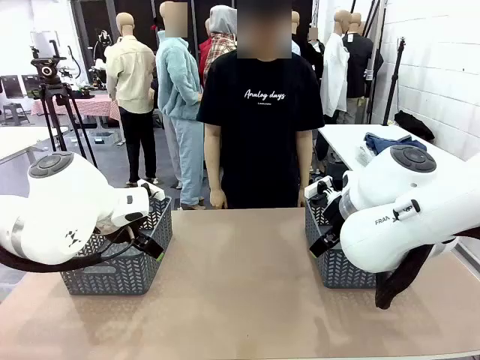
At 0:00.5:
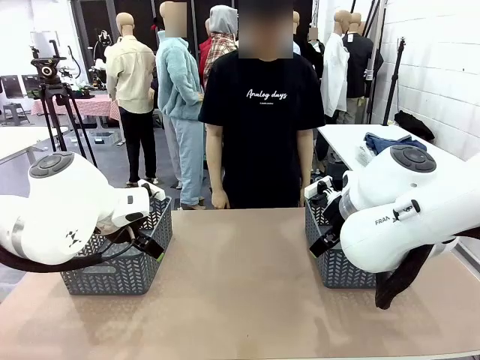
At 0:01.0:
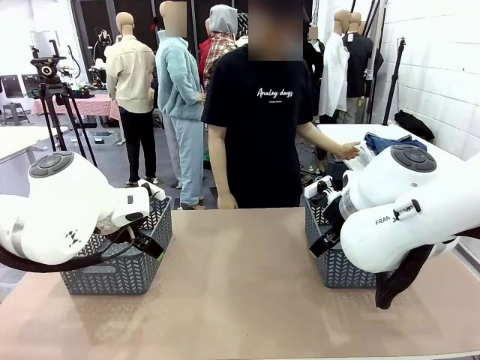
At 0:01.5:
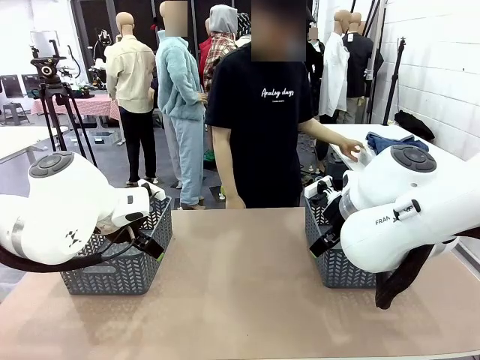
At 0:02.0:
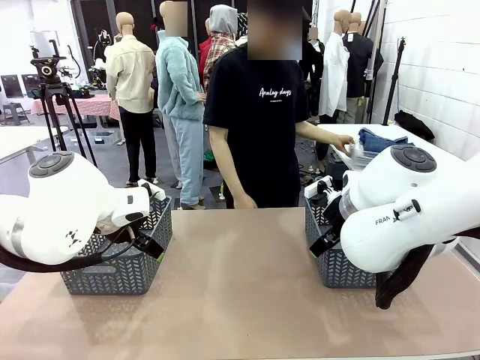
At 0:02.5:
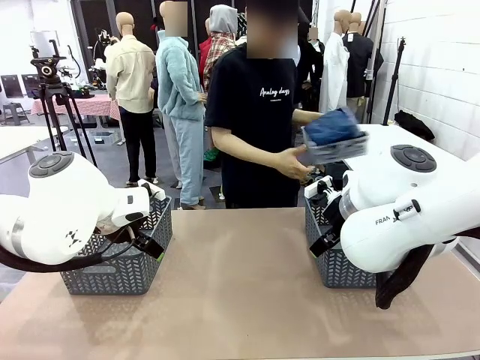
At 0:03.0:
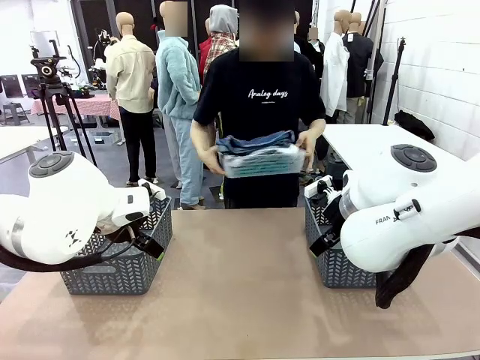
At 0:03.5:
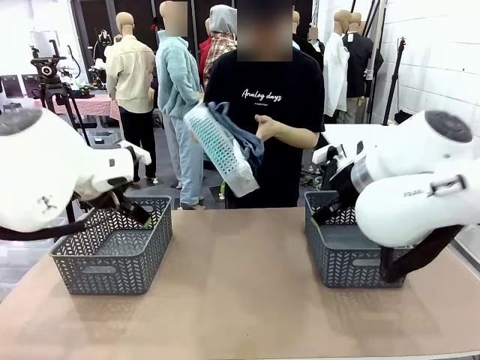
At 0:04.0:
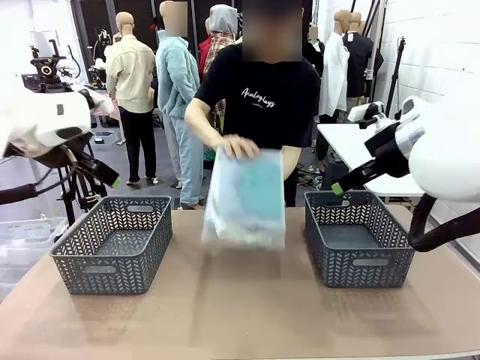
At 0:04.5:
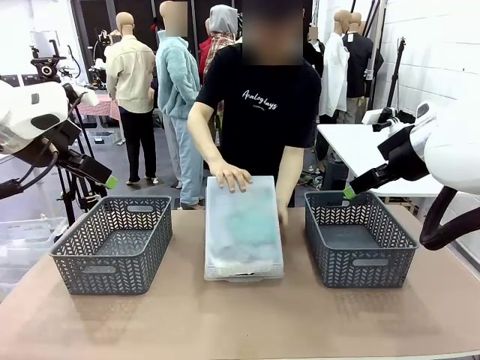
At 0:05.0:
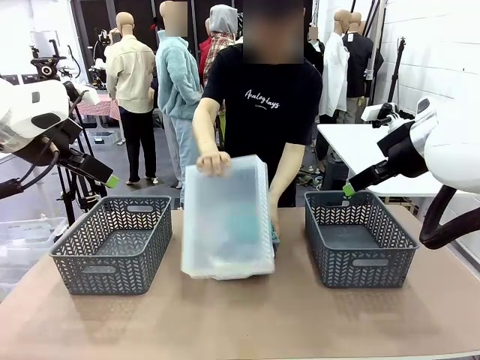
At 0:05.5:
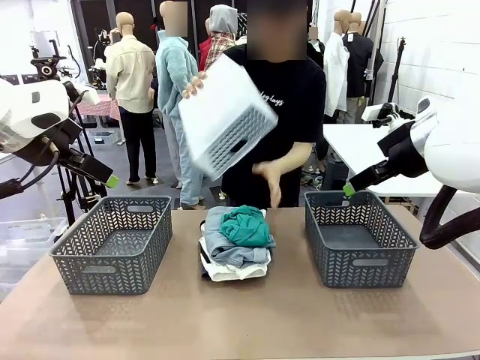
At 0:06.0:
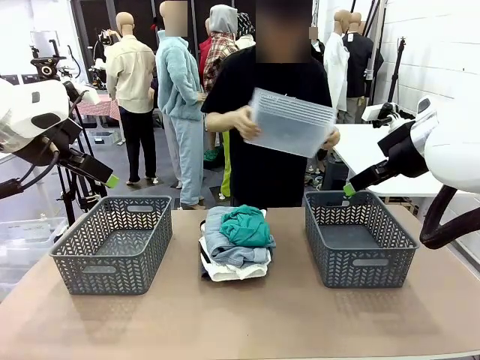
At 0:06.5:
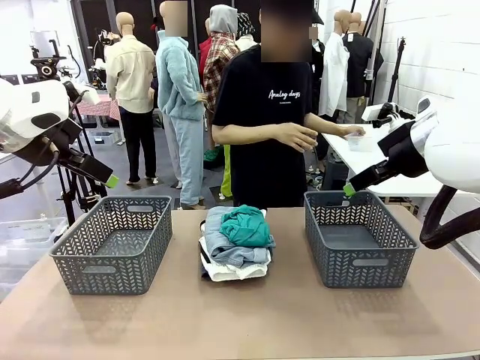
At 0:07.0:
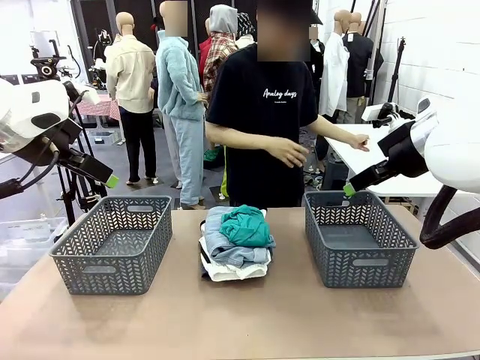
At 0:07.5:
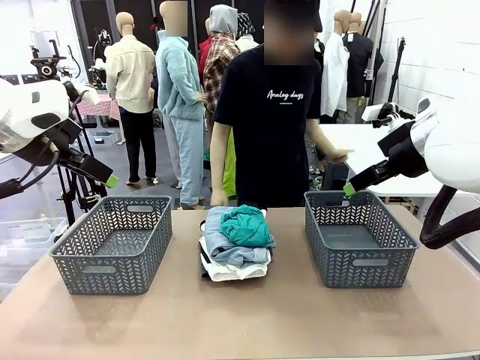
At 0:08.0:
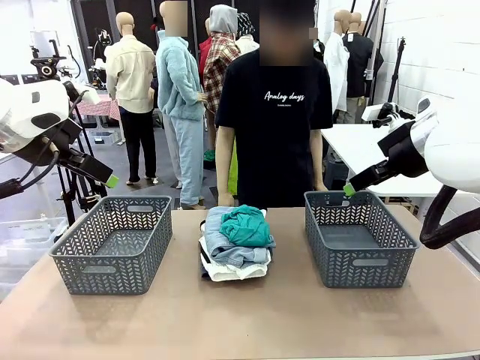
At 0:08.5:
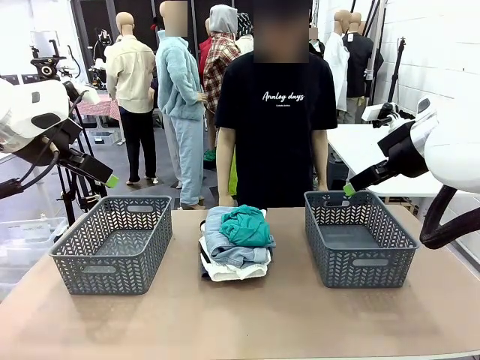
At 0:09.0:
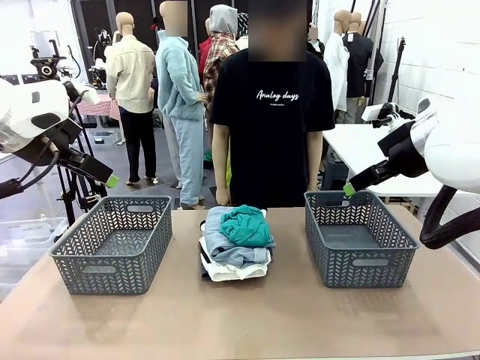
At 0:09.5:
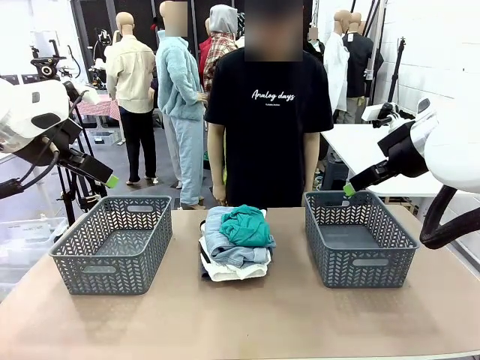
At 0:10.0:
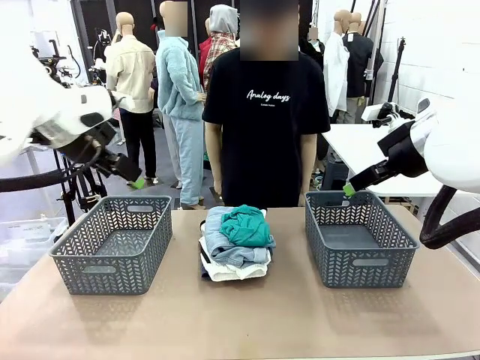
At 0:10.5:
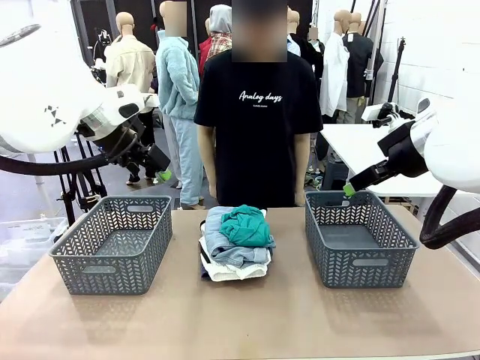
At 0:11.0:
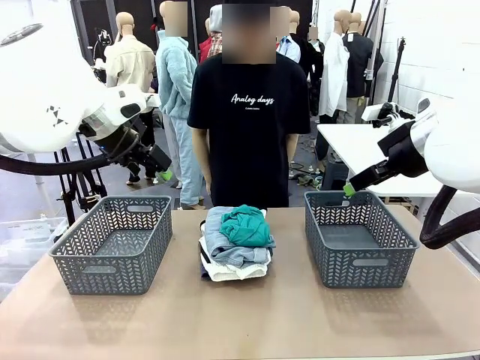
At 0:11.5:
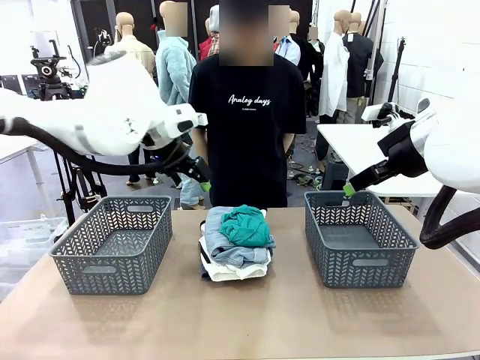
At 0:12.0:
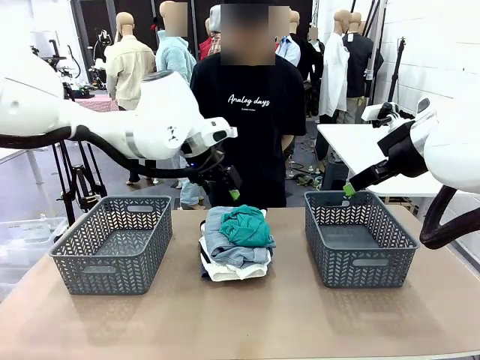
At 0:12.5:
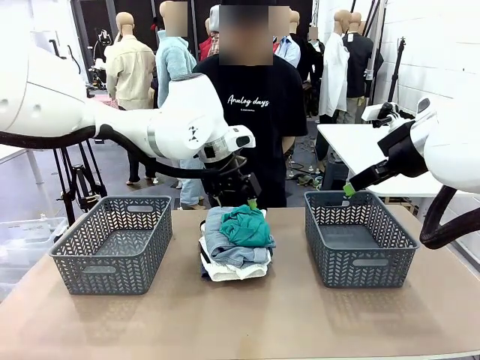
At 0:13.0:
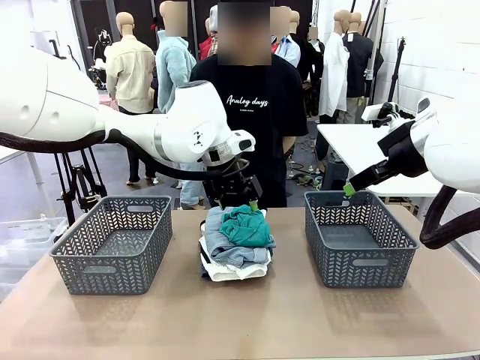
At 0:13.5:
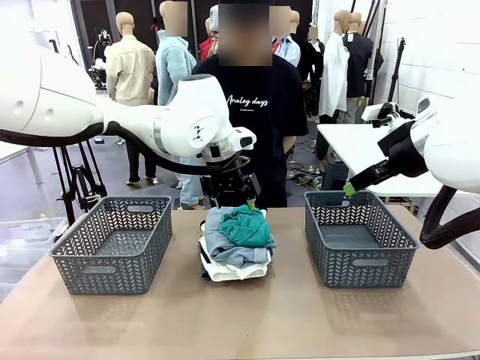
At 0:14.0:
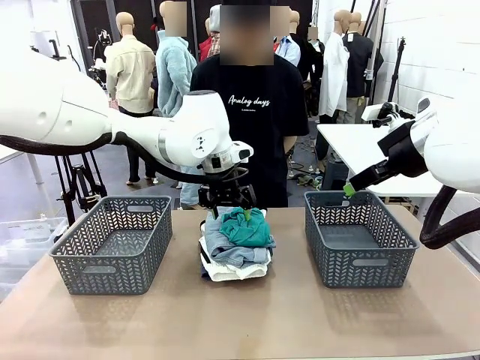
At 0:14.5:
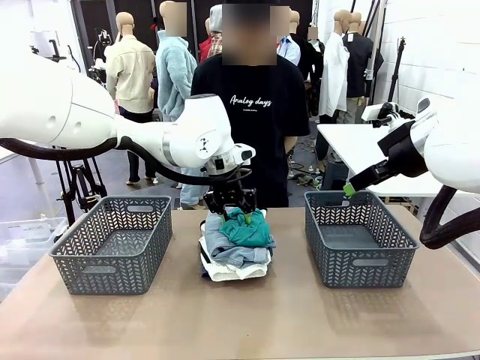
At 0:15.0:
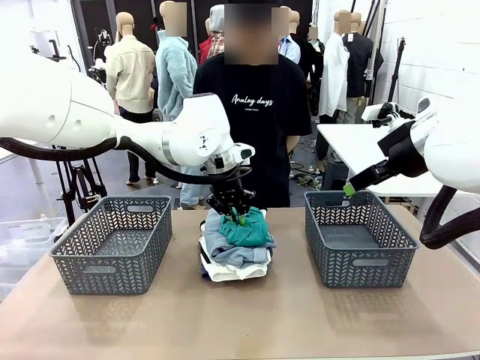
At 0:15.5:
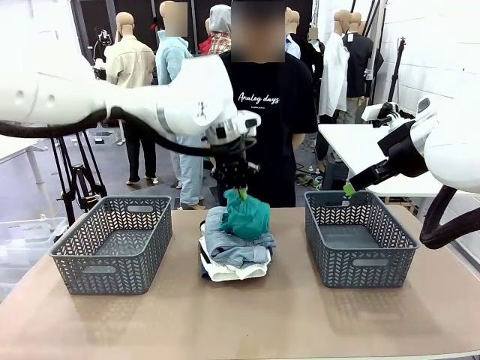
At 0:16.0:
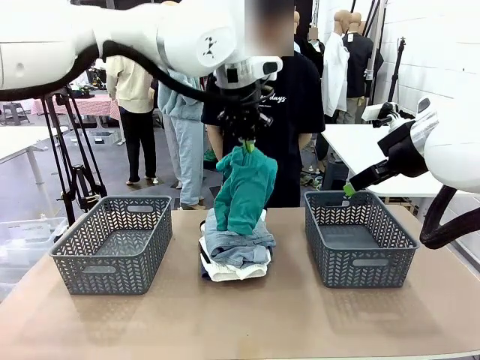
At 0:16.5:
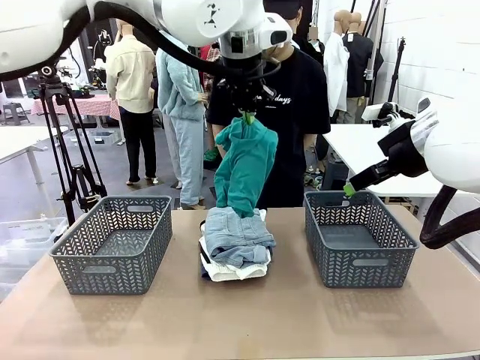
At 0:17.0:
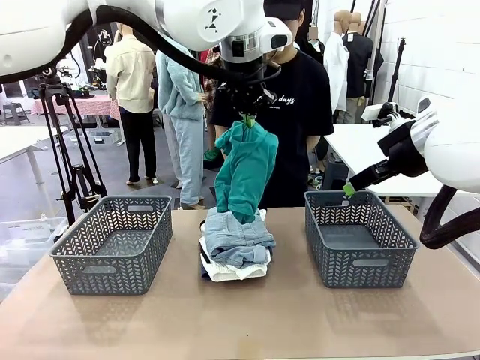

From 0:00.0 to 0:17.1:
Task: Sort the tops and bottoms.
Robot: Lift clothes from the center of the table with your left hand.
Person: Pour the clothes from the basket onto the center of the robot table.

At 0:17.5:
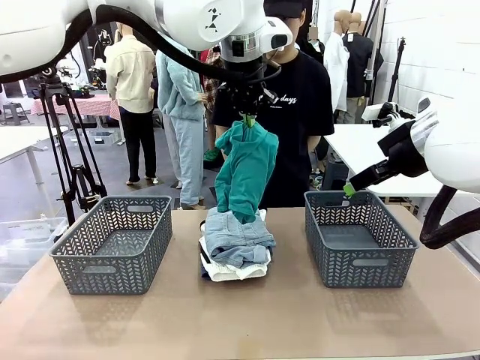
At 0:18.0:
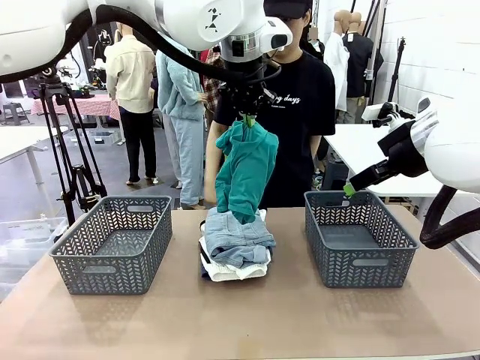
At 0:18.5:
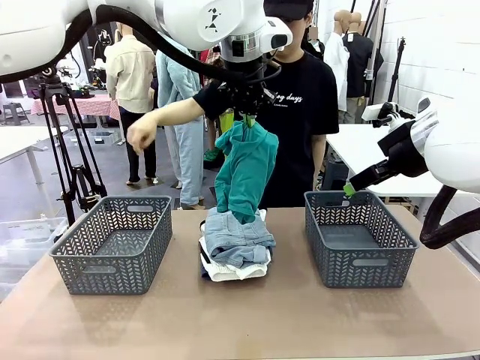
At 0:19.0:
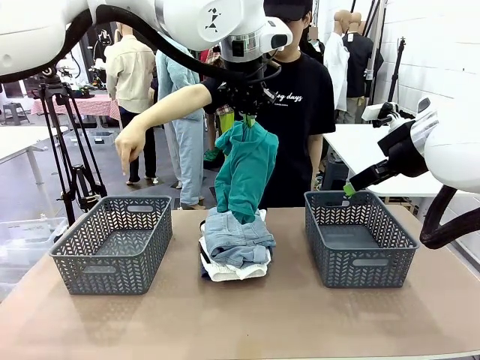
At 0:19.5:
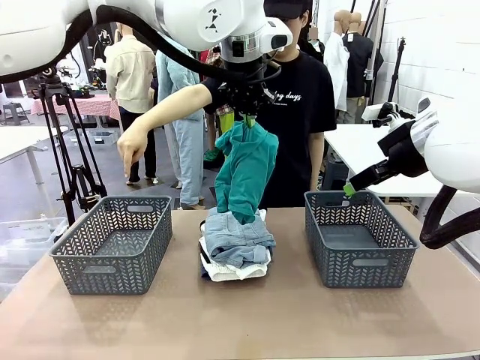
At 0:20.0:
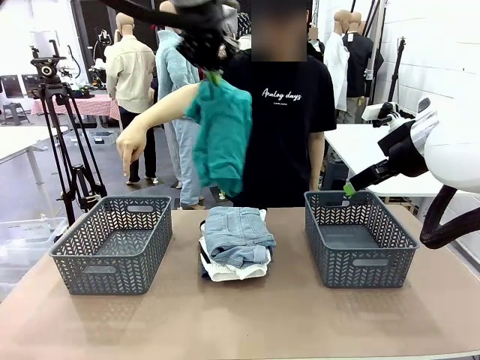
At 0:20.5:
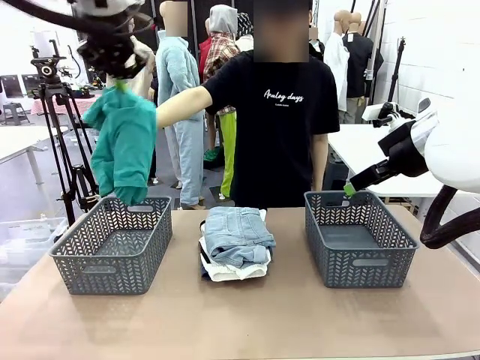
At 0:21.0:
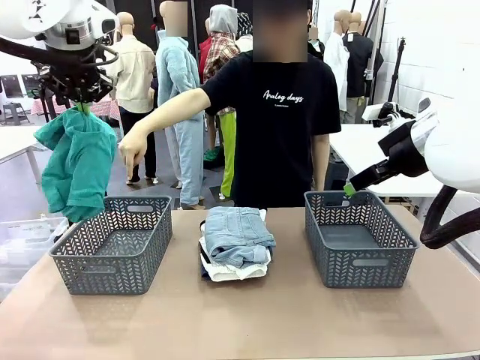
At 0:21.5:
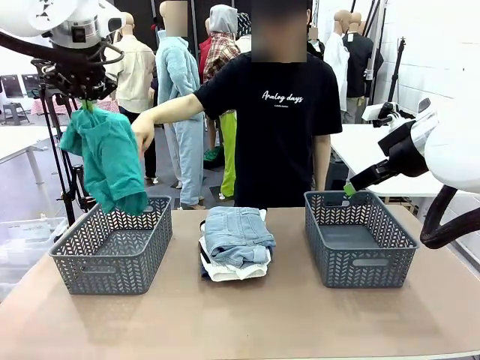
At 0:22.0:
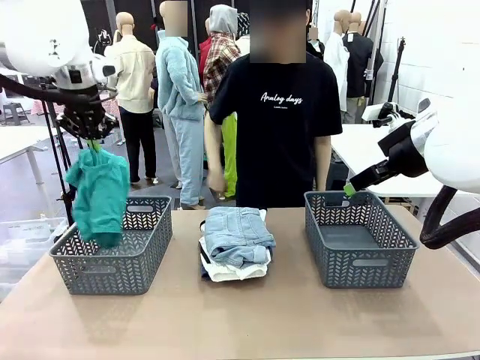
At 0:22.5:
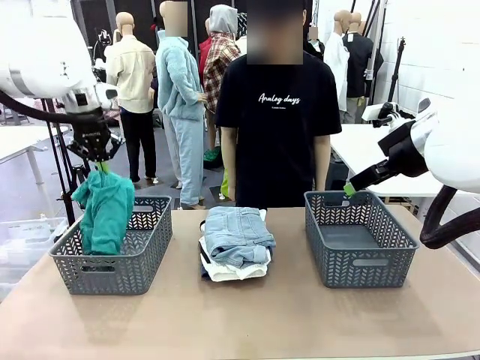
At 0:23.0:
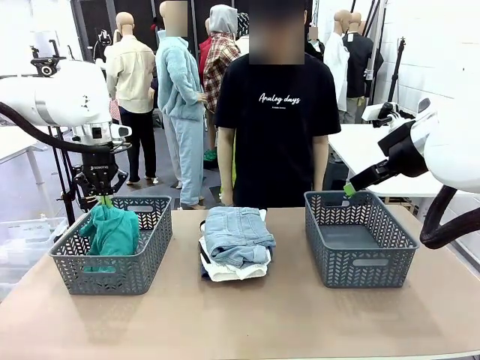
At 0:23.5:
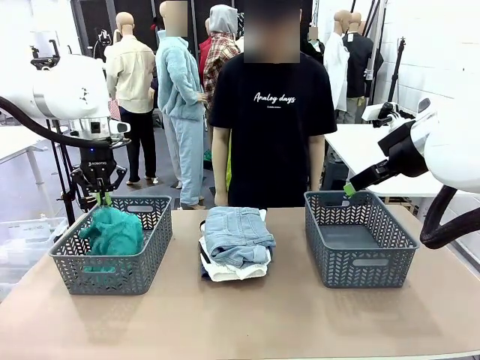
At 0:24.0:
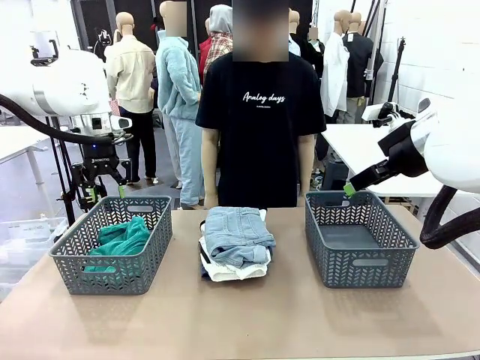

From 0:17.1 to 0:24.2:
Robot: Sort the clothes according to human instructions.
